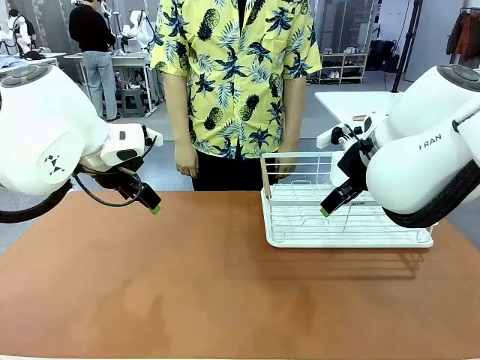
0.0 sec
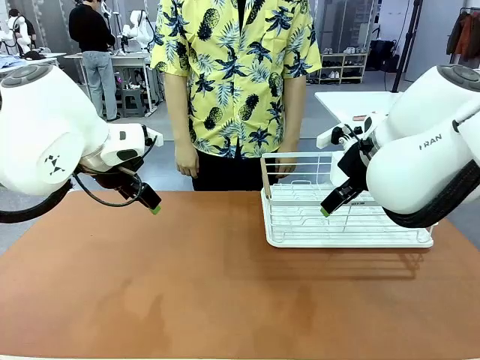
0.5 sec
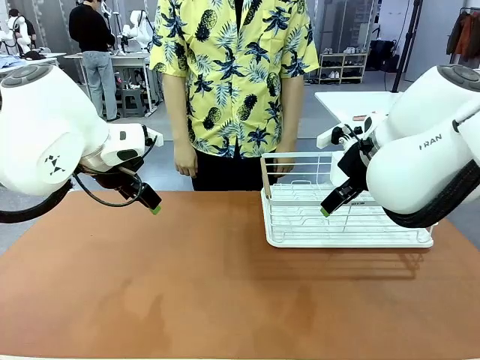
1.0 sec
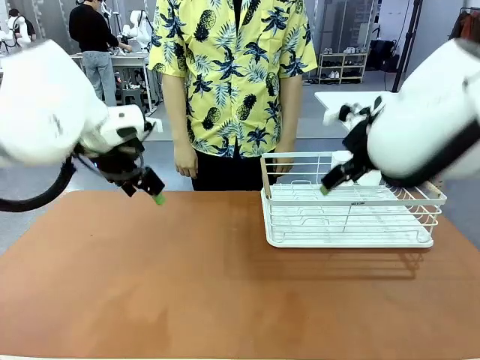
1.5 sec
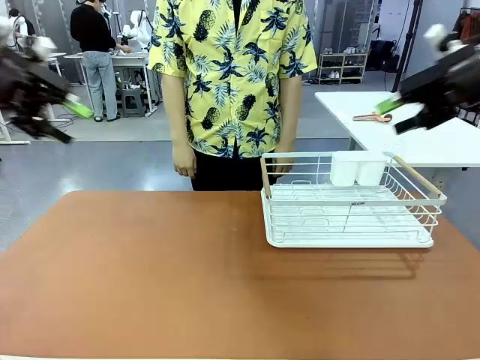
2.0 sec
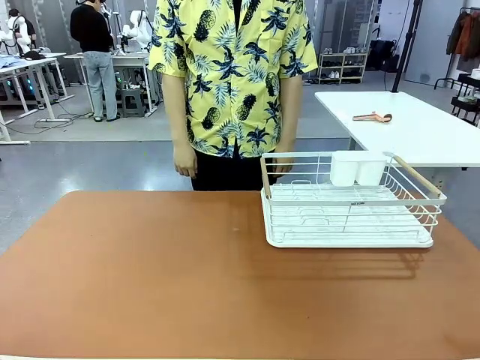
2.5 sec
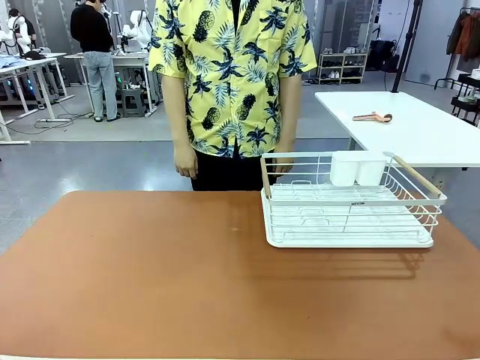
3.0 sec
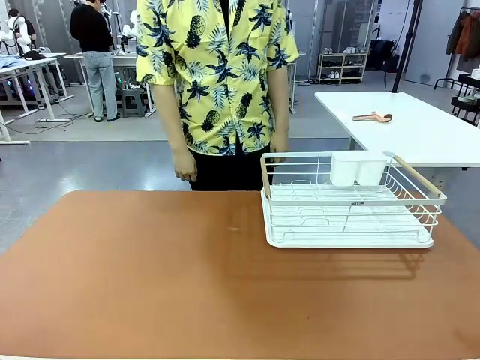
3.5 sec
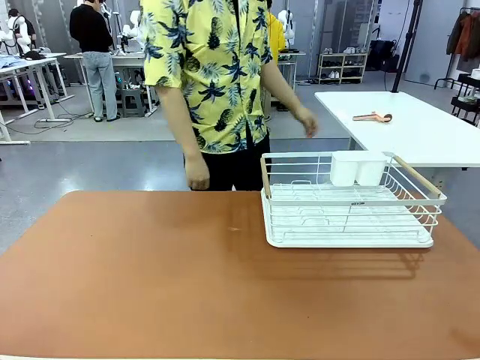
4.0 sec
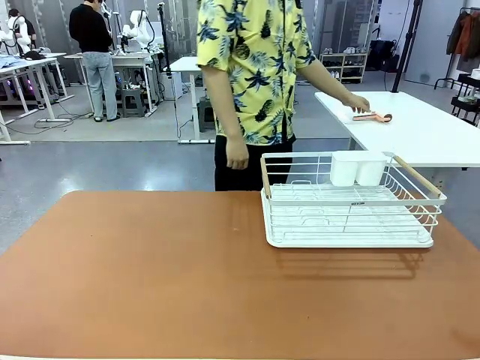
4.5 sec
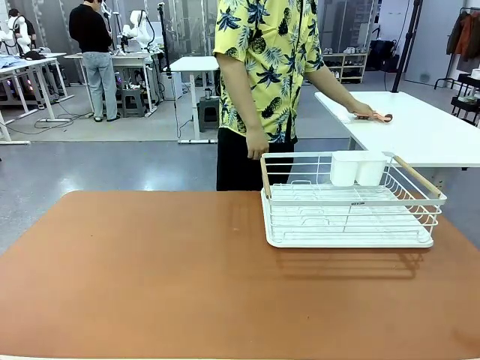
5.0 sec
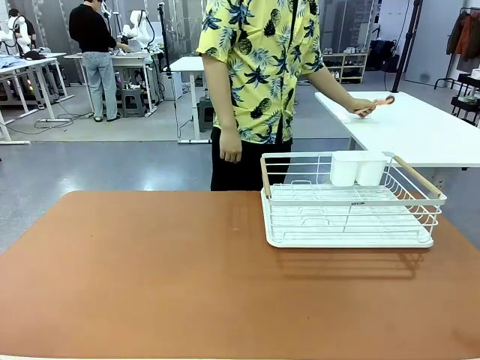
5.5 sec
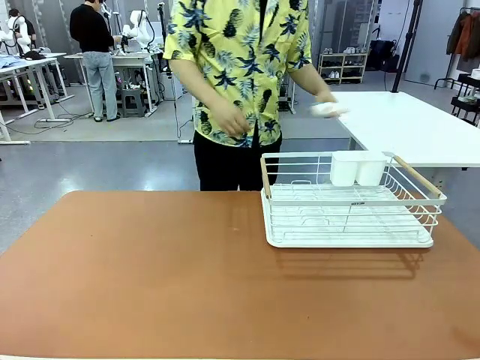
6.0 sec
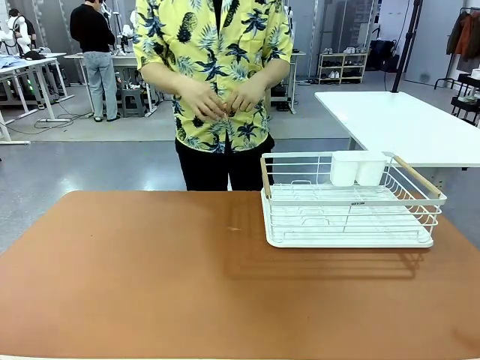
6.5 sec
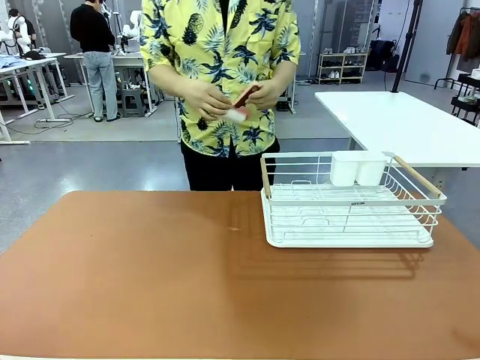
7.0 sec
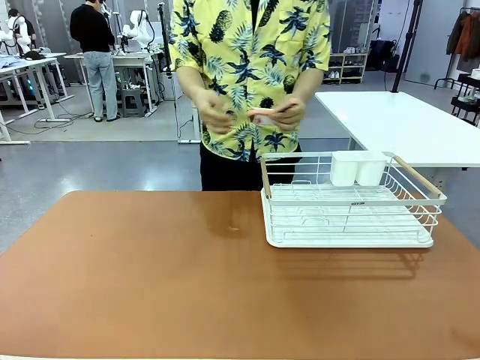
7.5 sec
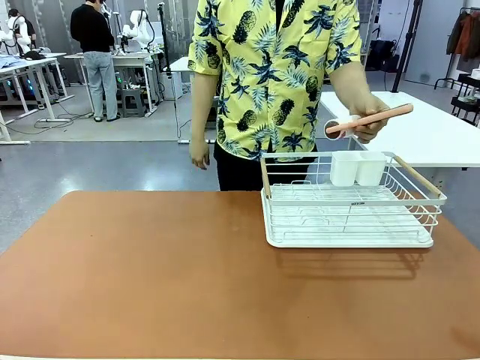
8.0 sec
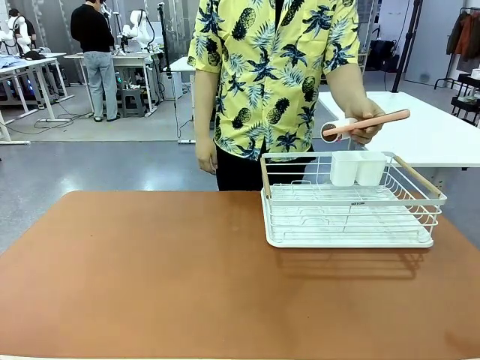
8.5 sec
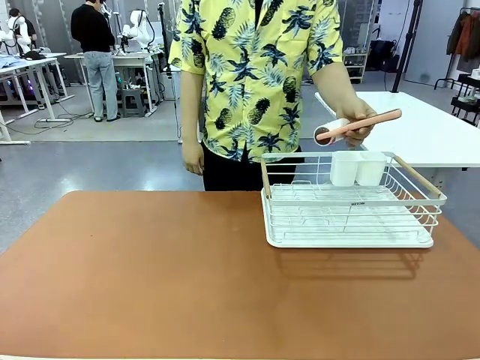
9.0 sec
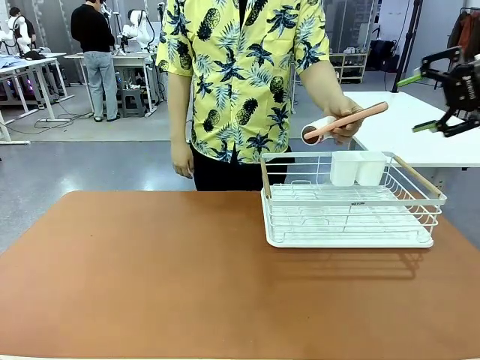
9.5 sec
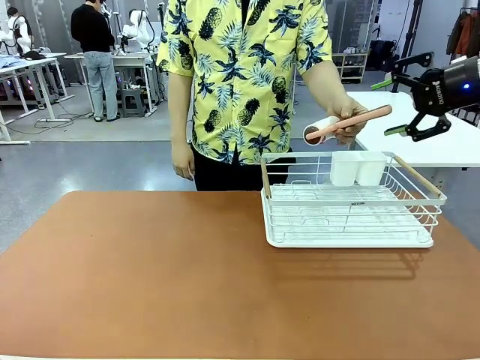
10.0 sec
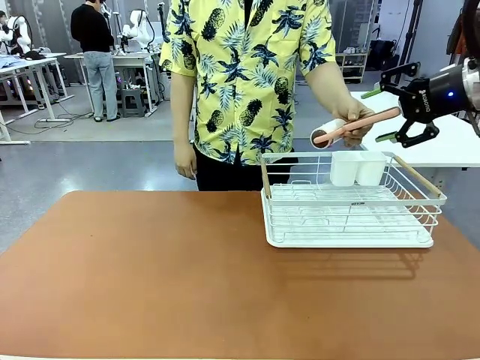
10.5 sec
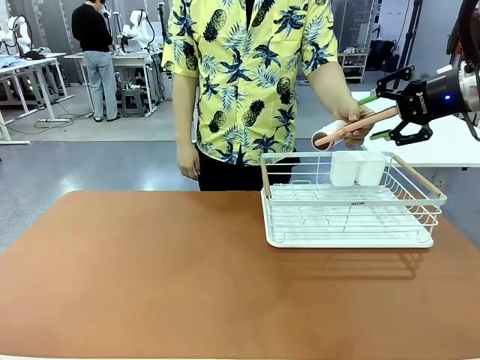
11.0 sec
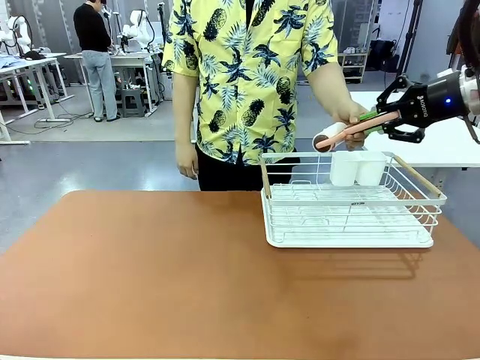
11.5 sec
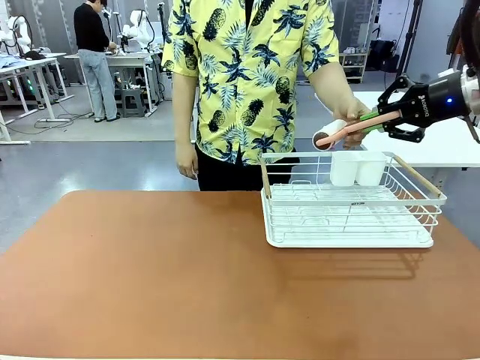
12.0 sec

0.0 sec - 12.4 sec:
Task: Clean the table.
Robot: Pick up the Lint Roller when the human hands it over.
Person: Hand the Lint Roller to the robot so it can easily pick it up. Lift the Dish drying rack.

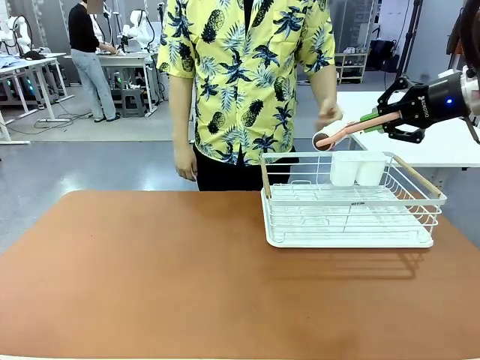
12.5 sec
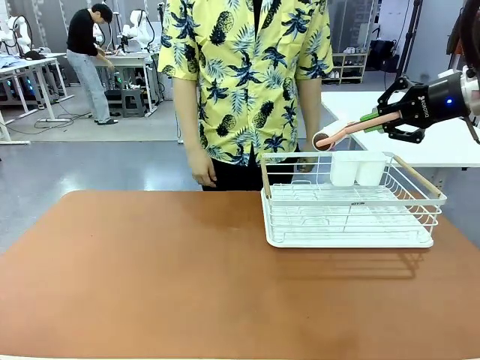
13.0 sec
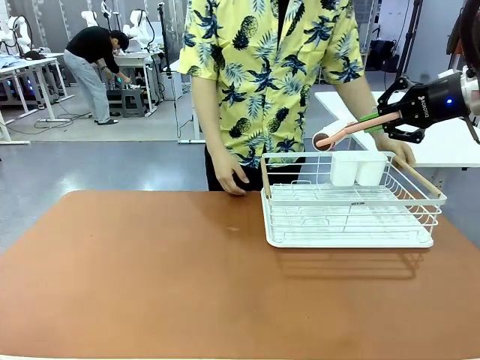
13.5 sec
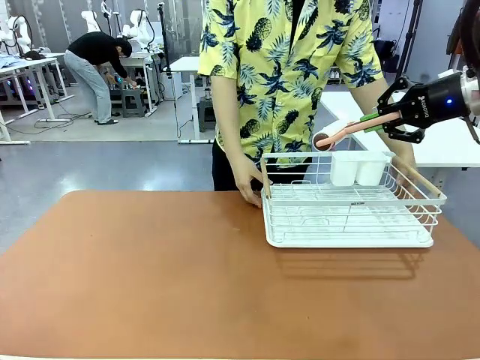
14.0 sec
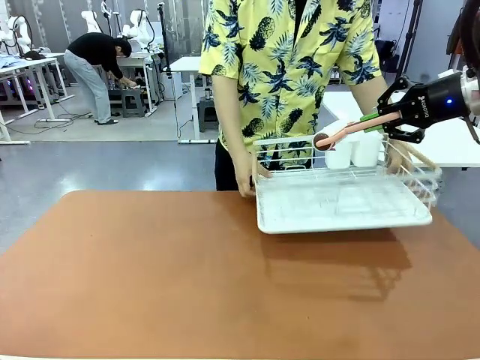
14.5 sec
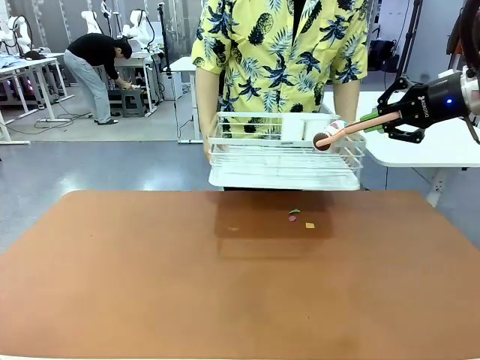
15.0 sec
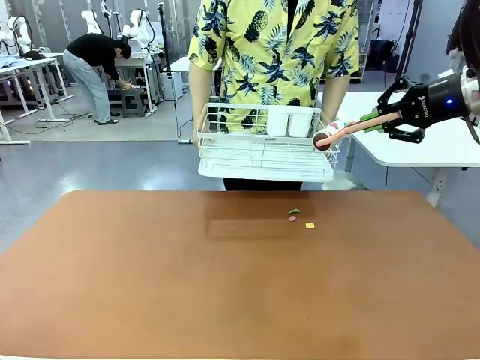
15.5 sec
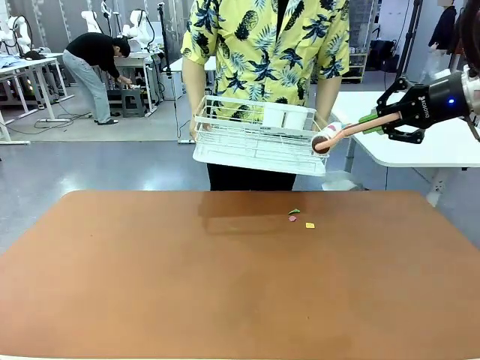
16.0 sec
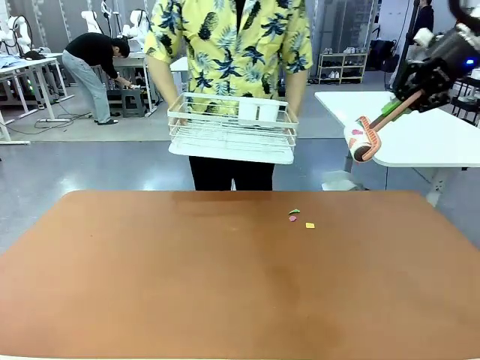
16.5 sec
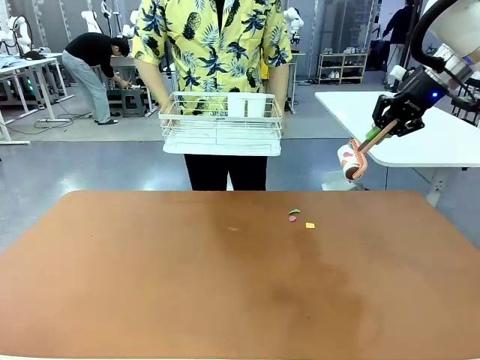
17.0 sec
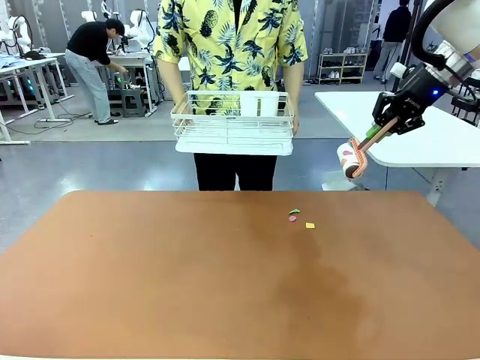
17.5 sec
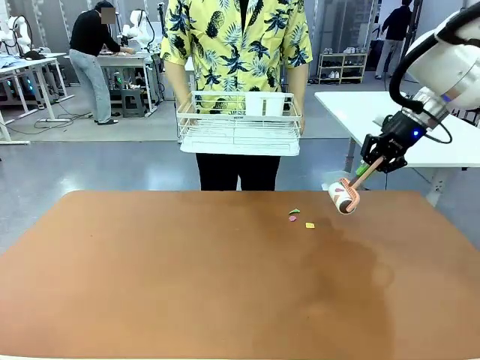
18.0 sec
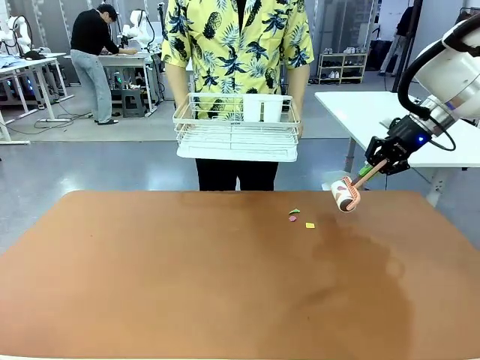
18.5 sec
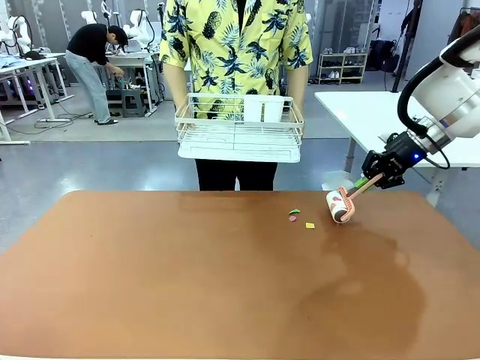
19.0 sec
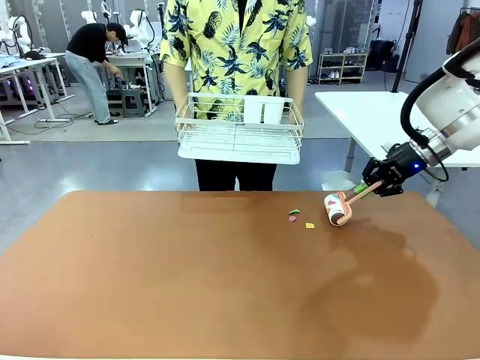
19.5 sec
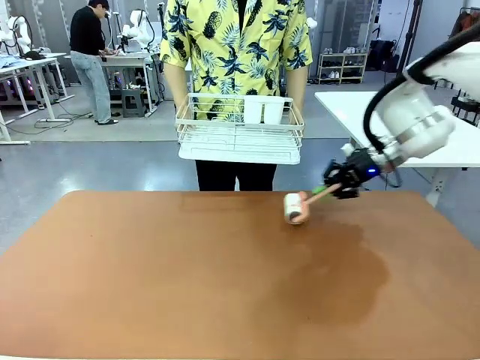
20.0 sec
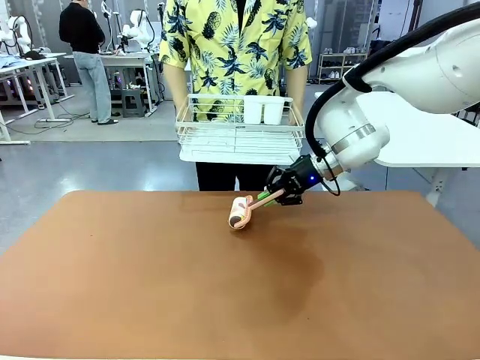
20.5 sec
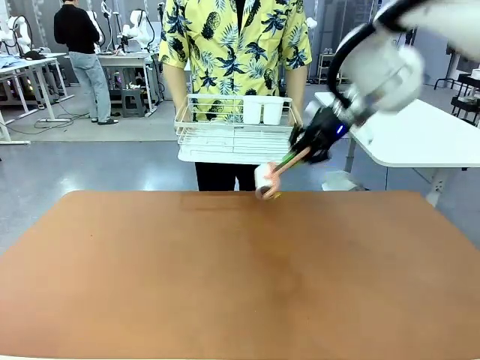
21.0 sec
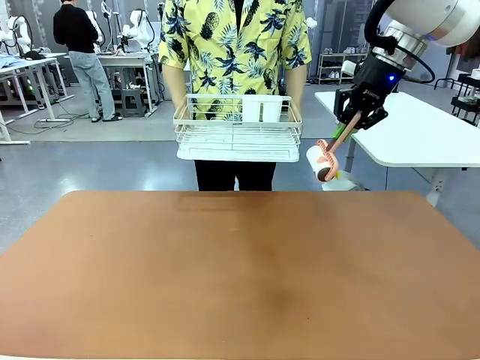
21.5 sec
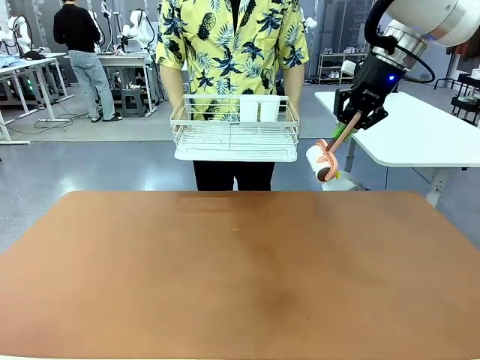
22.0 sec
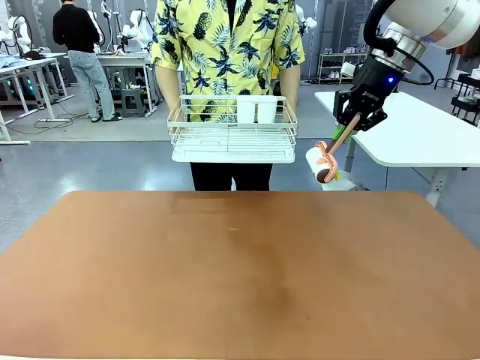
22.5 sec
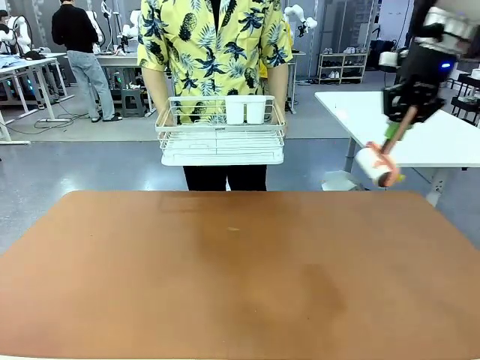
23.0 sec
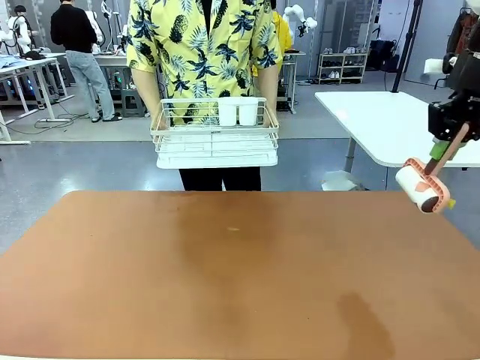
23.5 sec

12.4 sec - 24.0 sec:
Robot: Clean the table with the Lint Roller when the human lifts the Dish drying rack.
